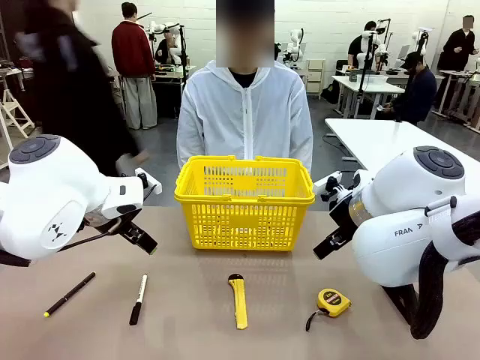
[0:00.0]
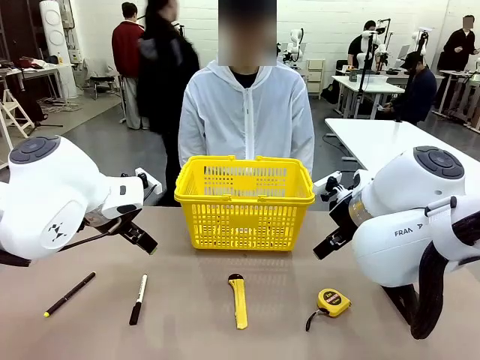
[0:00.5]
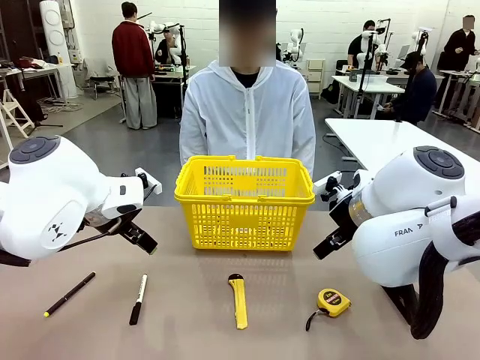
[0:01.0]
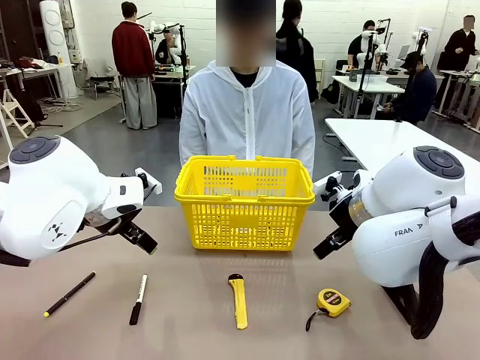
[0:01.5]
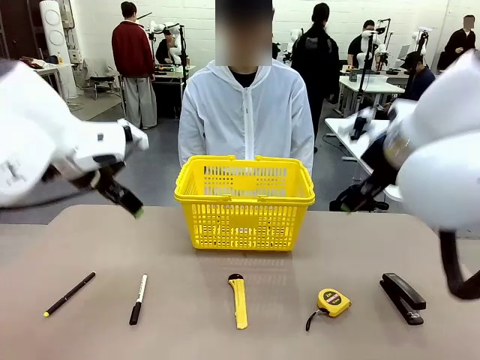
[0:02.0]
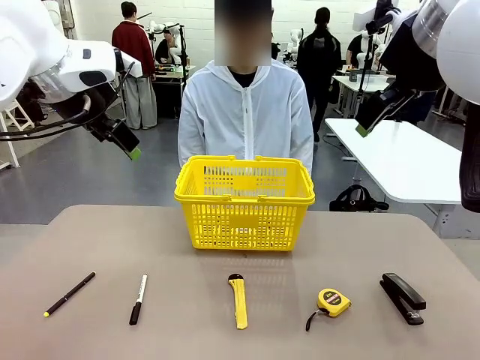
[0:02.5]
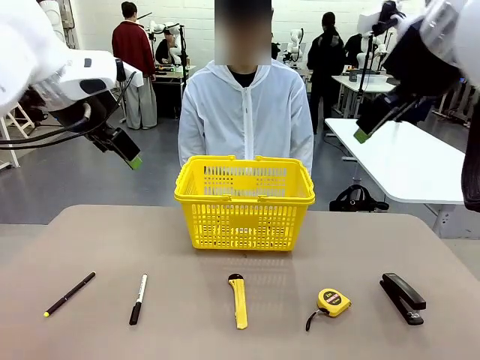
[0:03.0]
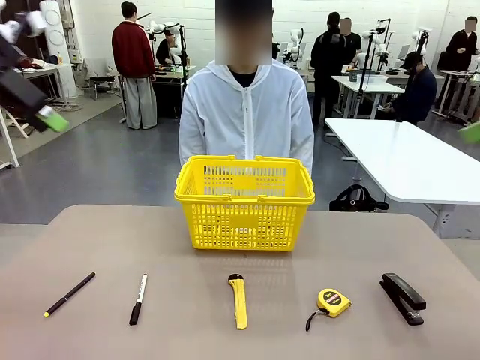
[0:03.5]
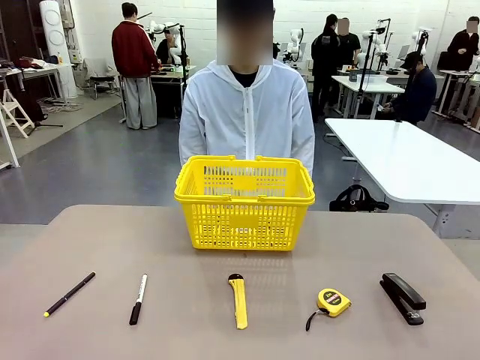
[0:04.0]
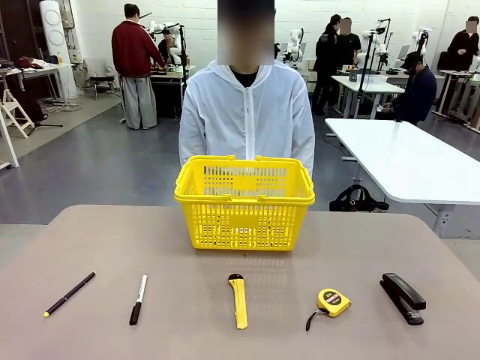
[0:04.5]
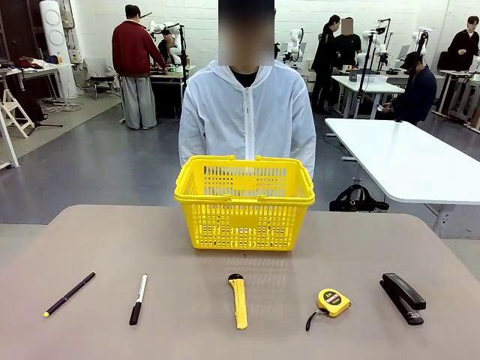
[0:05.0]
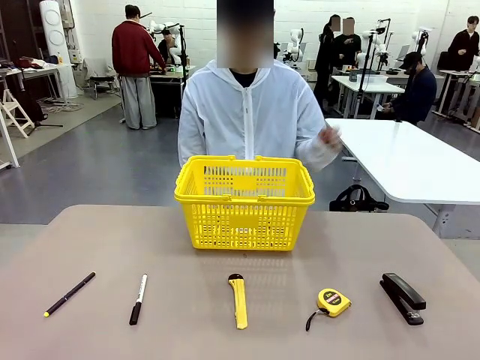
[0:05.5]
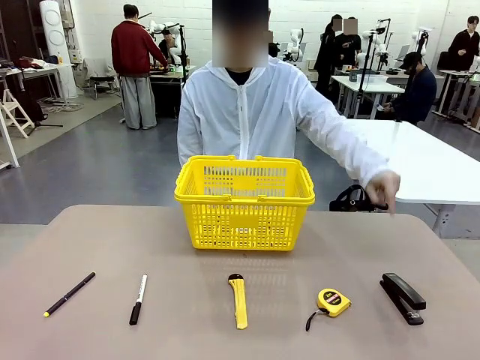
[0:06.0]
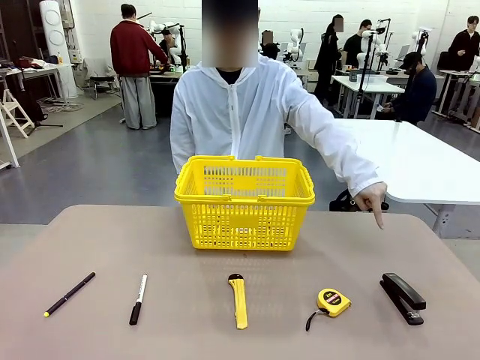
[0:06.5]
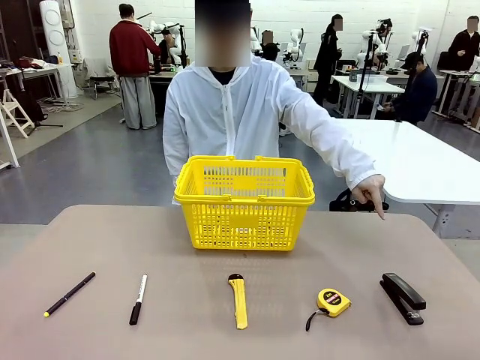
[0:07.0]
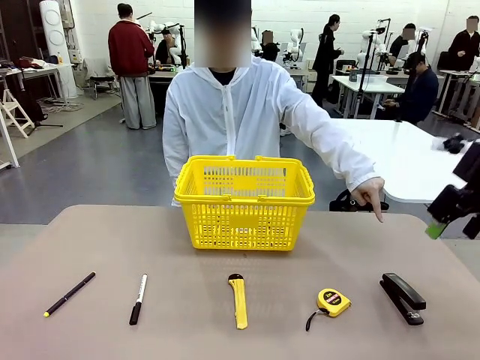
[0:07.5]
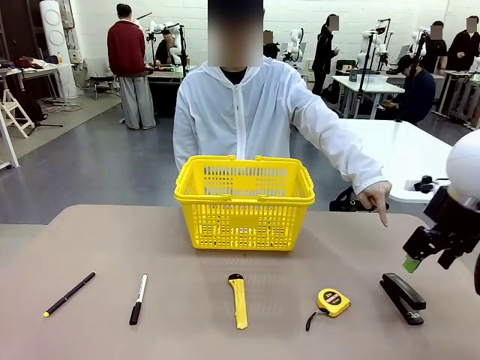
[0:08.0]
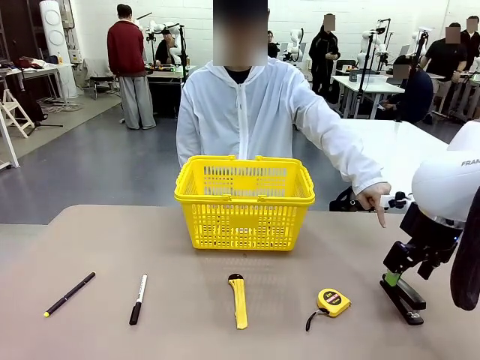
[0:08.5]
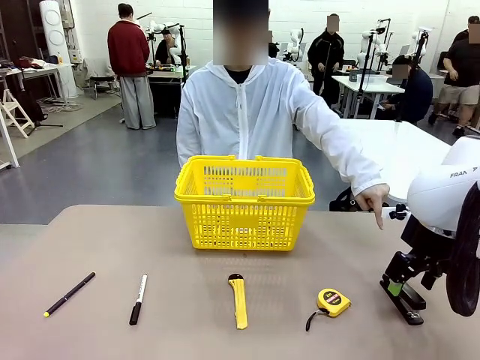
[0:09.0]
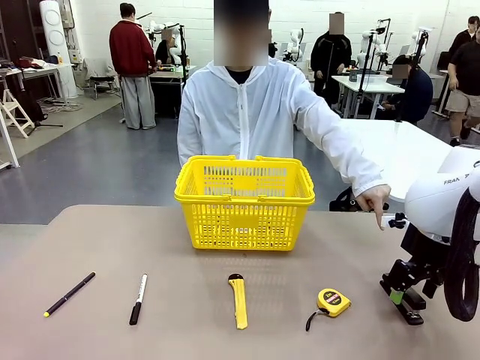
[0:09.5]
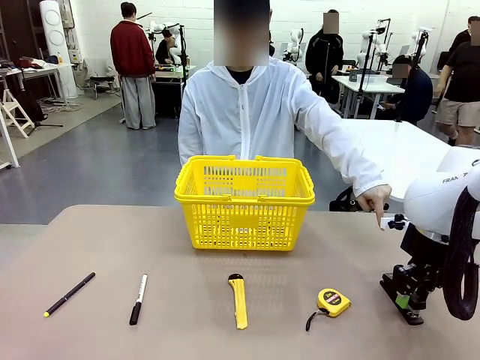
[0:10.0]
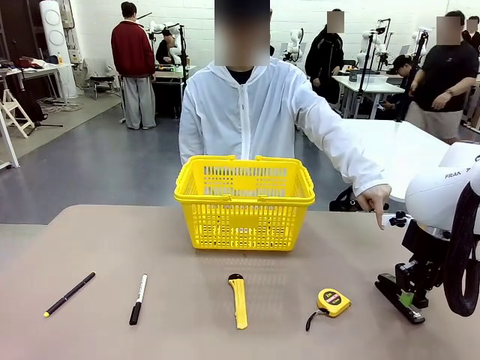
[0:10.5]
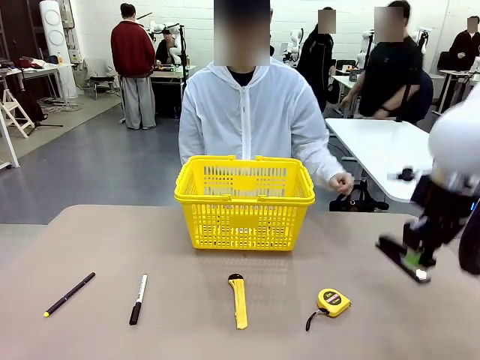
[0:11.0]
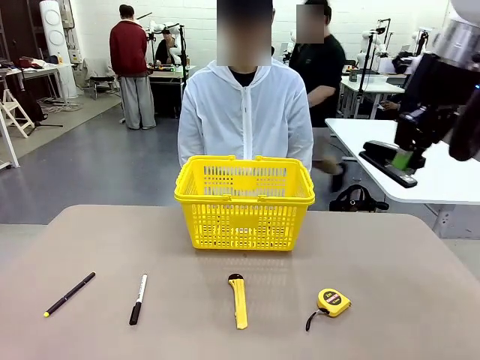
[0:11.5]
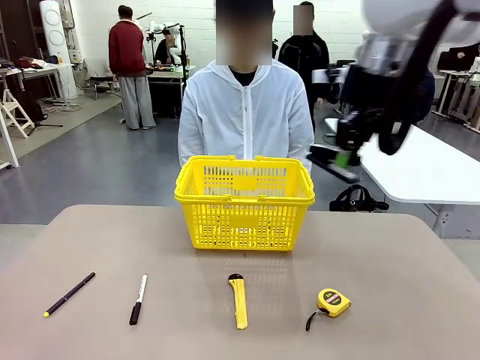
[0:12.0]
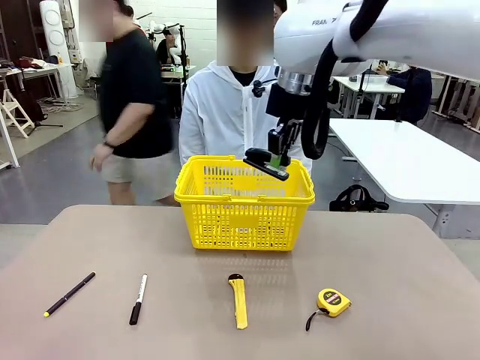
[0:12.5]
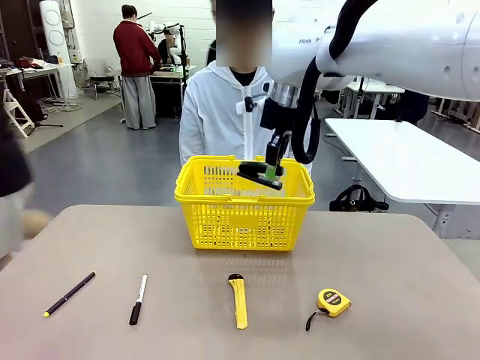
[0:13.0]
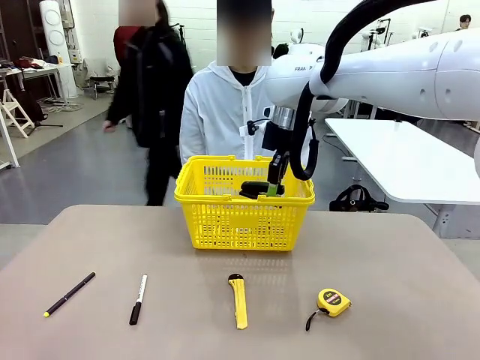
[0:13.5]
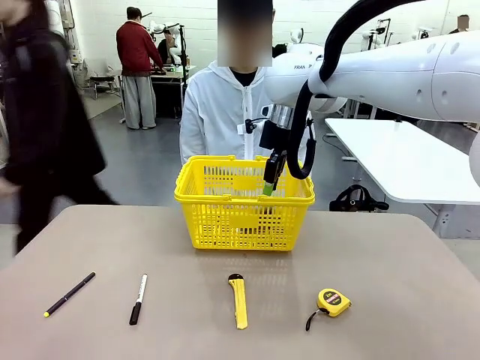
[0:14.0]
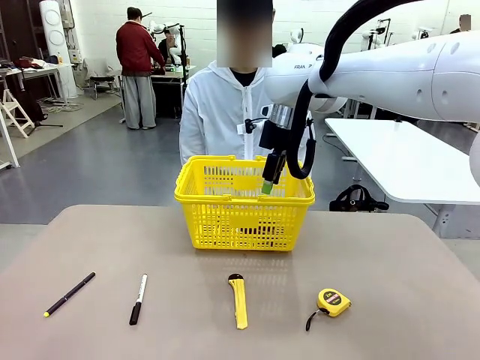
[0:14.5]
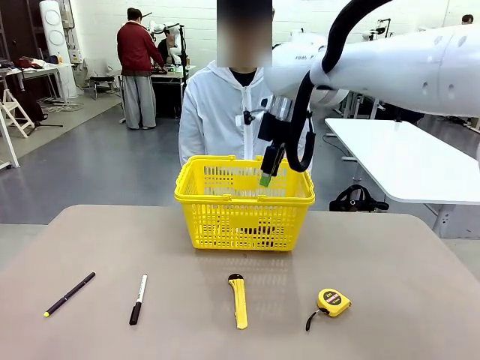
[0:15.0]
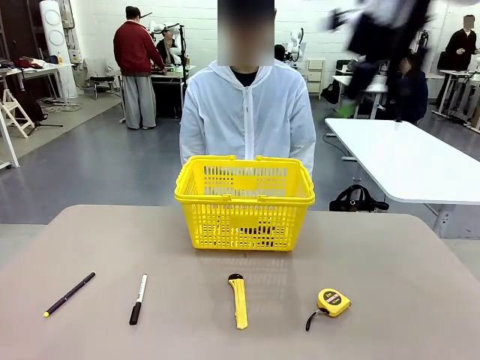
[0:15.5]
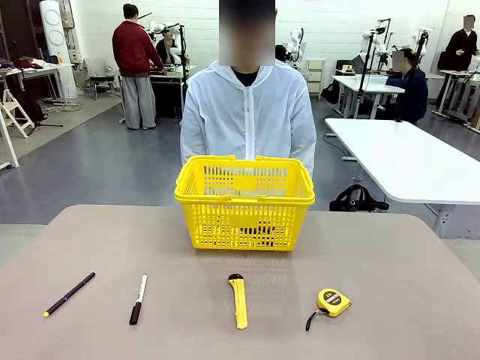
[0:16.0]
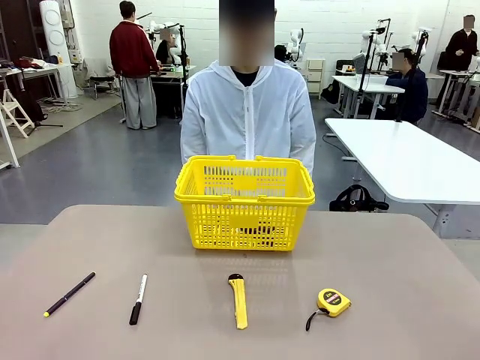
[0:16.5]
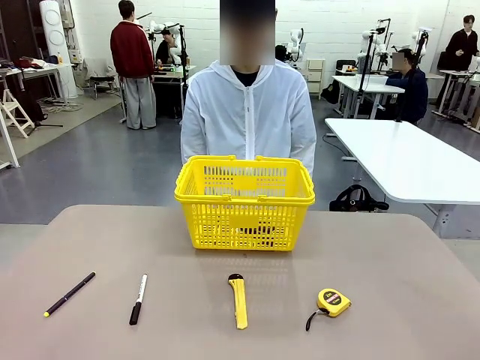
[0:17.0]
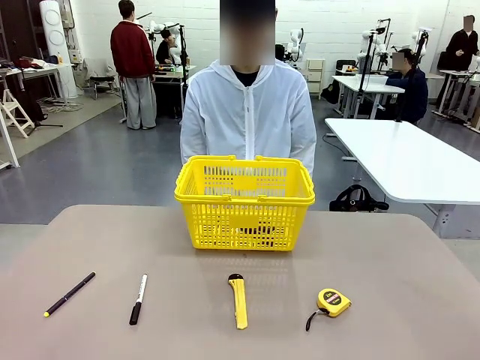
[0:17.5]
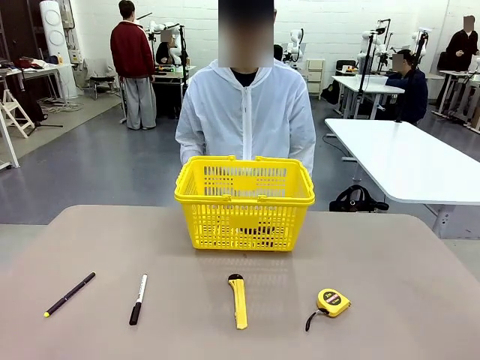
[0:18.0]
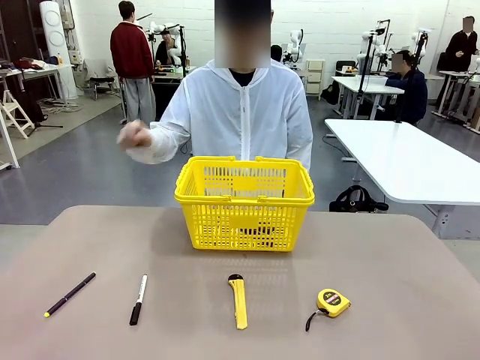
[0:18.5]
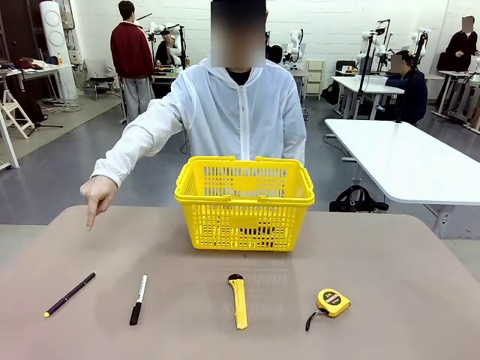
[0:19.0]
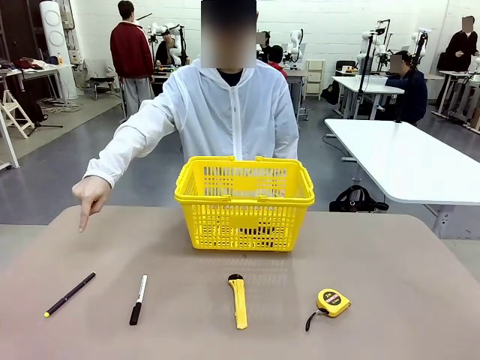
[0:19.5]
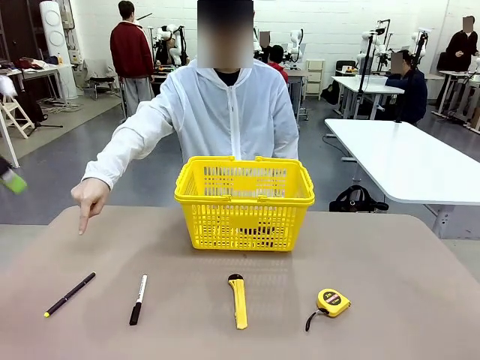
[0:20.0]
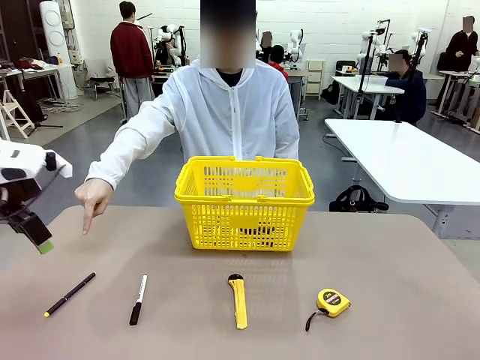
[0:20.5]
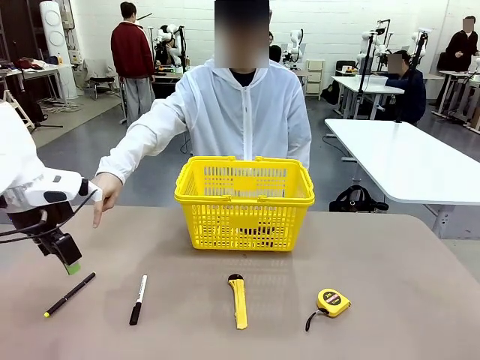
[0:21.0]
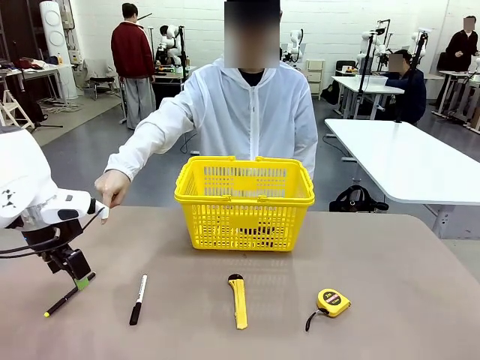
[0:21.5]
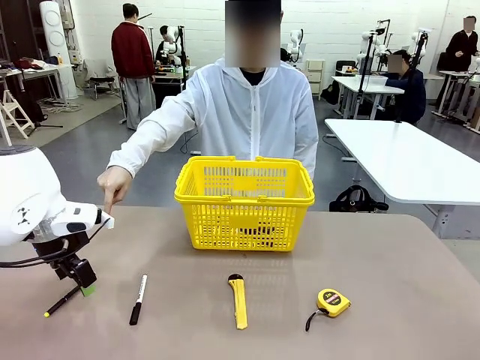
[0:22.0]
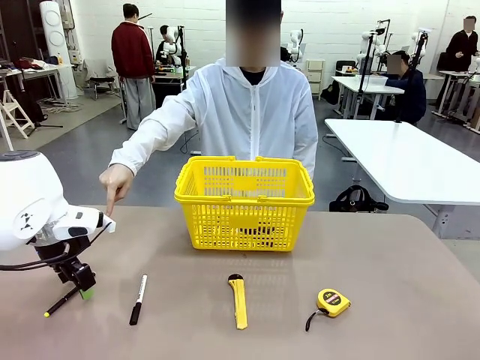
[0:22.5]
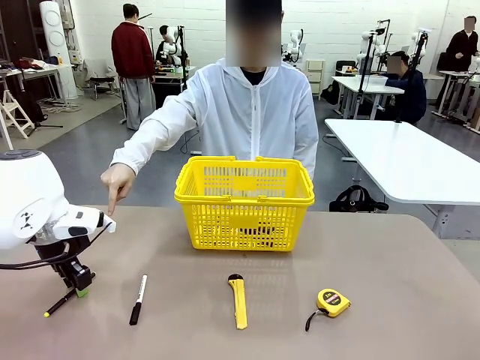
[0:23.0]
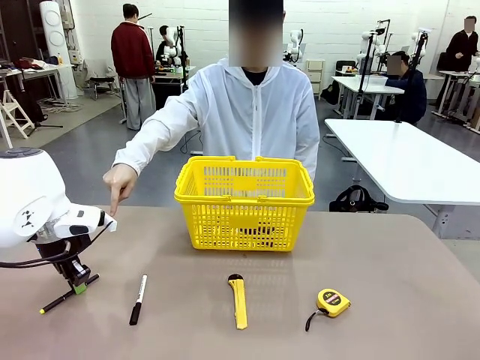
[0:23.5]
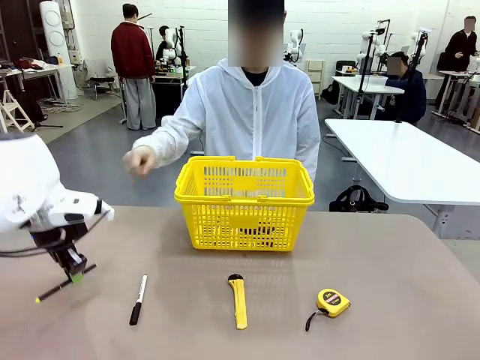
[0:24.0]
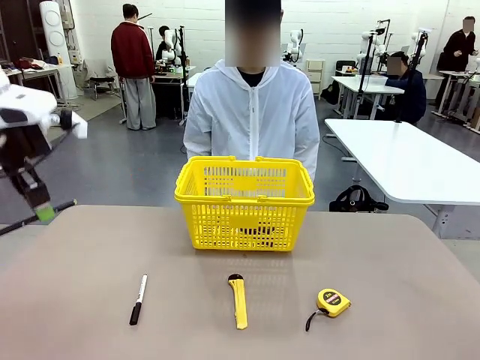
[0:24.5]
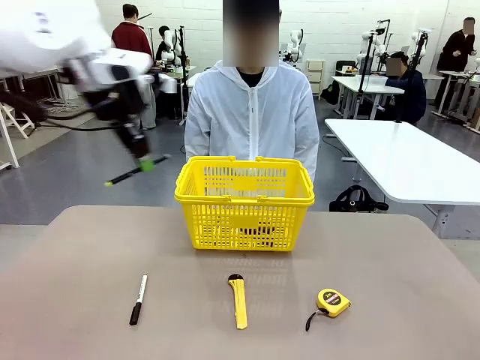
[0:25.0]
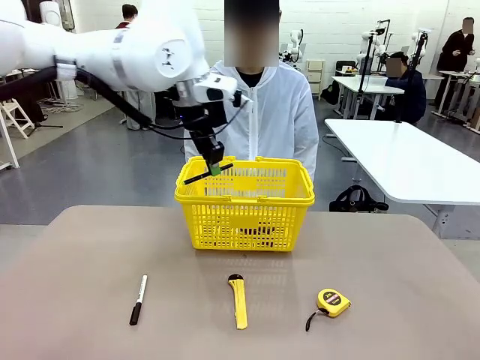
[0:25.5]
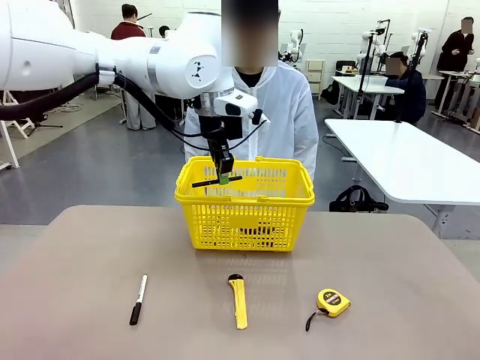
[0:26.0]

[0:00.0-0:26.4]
Task: Place the items the person wants into the basket.
Robot: Pick up the item the person points to and place it in the Market Basket.
